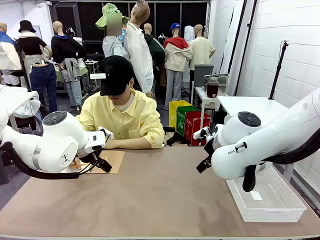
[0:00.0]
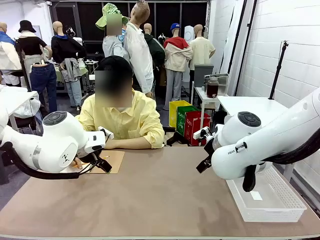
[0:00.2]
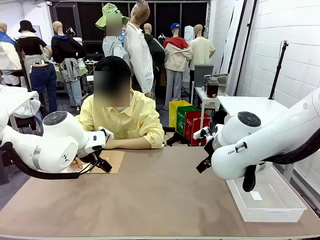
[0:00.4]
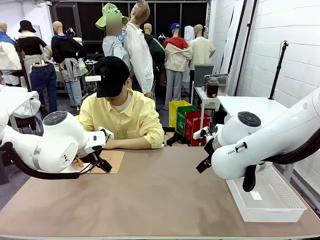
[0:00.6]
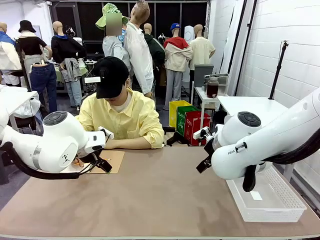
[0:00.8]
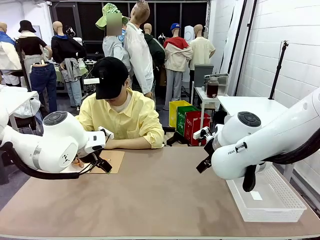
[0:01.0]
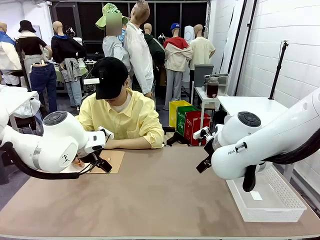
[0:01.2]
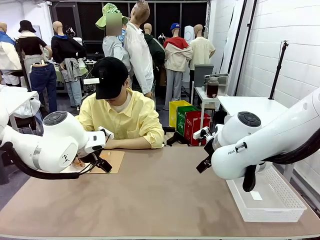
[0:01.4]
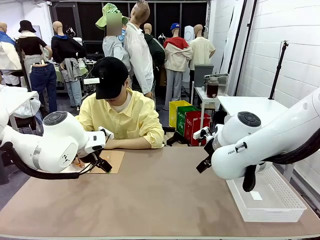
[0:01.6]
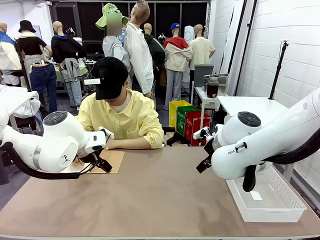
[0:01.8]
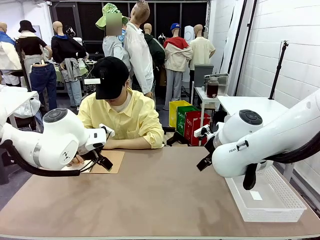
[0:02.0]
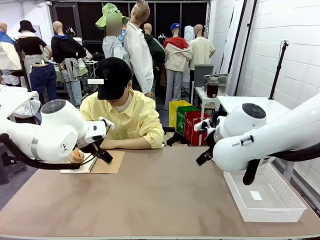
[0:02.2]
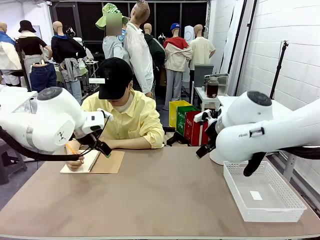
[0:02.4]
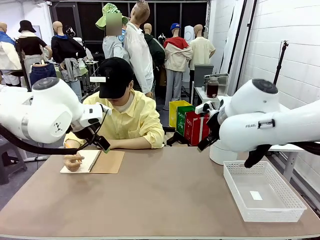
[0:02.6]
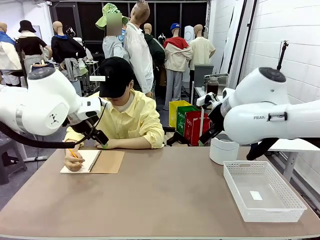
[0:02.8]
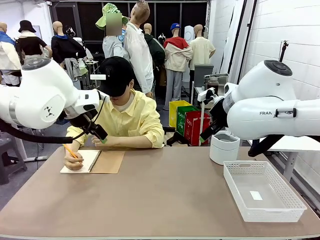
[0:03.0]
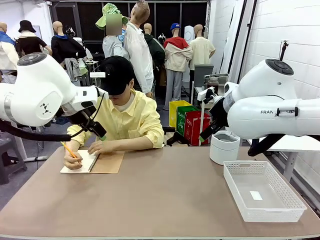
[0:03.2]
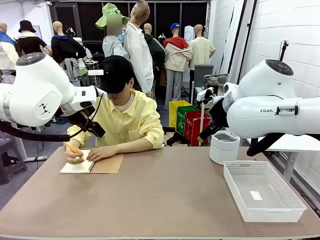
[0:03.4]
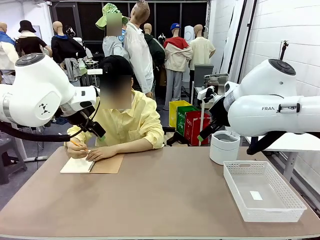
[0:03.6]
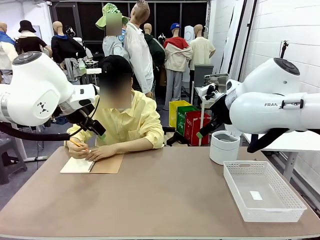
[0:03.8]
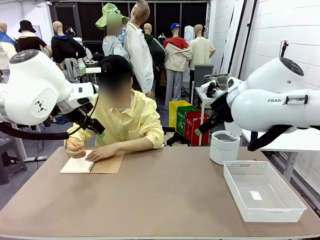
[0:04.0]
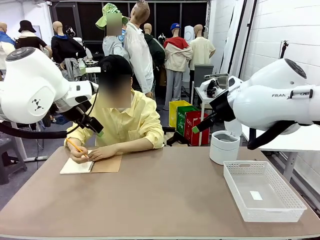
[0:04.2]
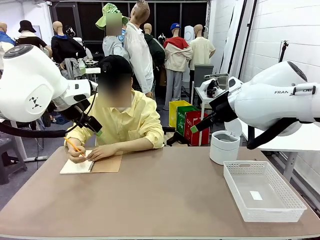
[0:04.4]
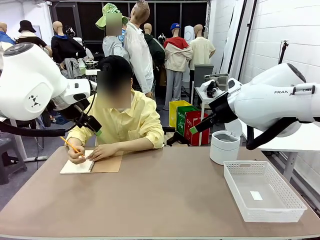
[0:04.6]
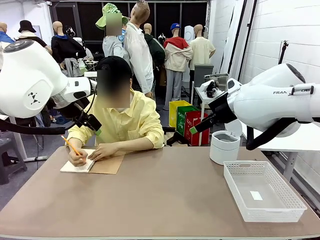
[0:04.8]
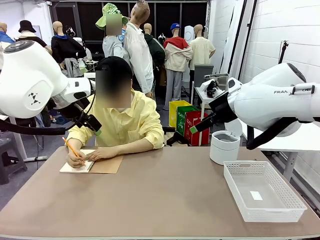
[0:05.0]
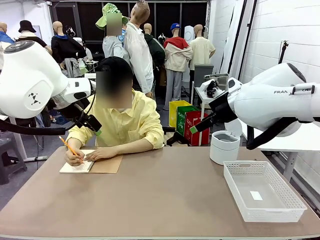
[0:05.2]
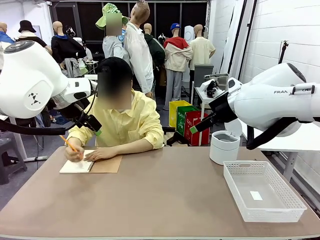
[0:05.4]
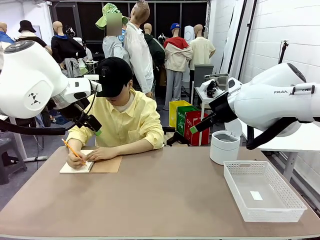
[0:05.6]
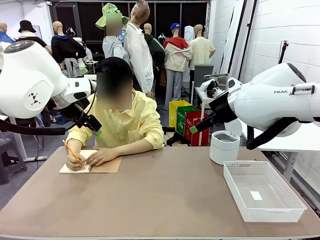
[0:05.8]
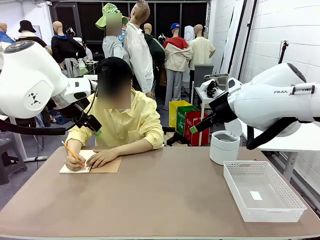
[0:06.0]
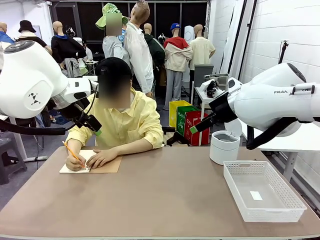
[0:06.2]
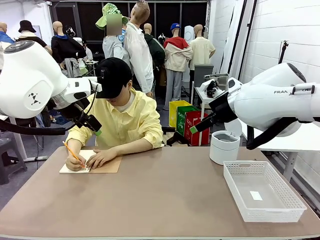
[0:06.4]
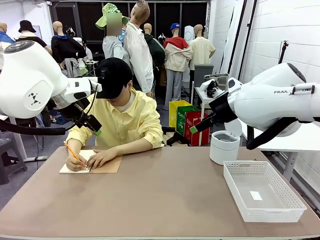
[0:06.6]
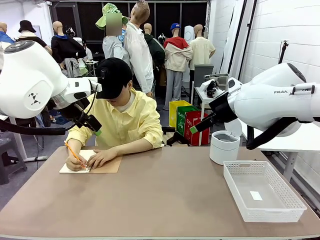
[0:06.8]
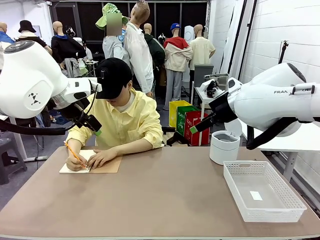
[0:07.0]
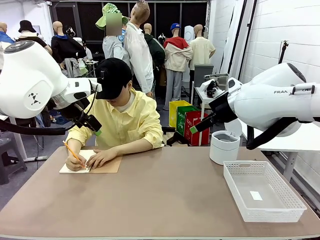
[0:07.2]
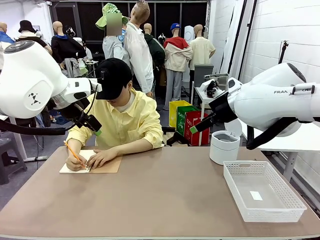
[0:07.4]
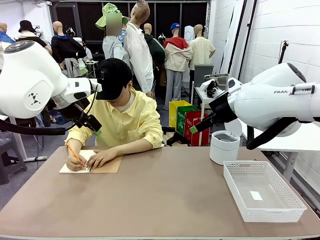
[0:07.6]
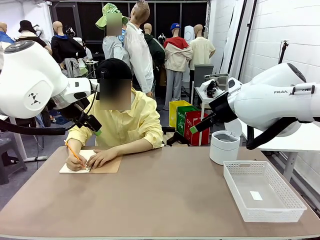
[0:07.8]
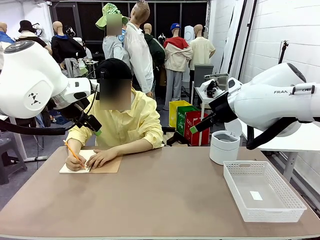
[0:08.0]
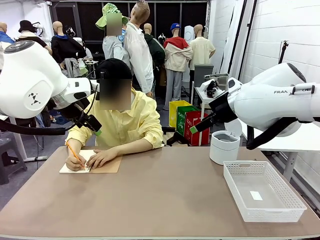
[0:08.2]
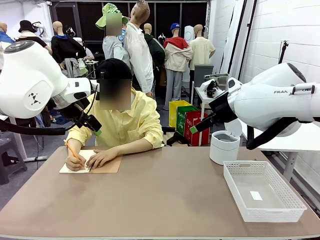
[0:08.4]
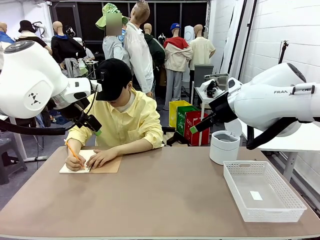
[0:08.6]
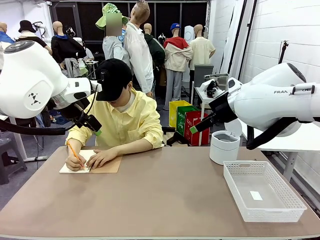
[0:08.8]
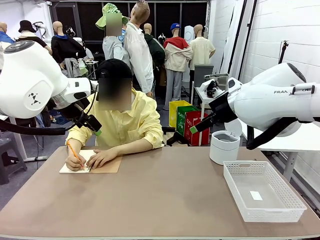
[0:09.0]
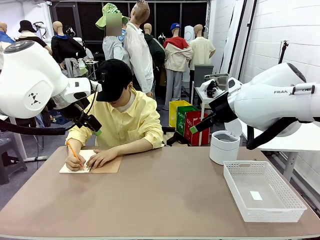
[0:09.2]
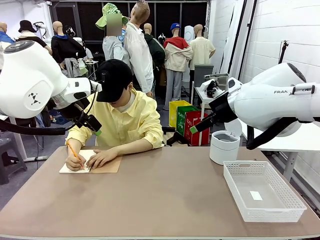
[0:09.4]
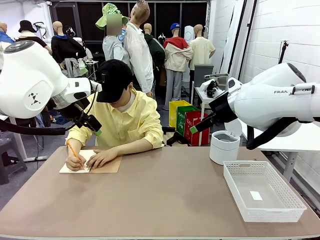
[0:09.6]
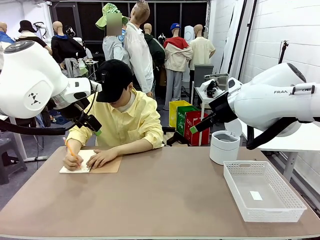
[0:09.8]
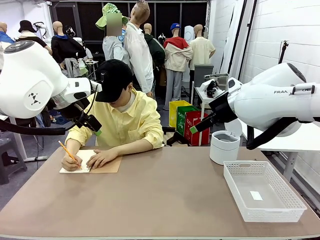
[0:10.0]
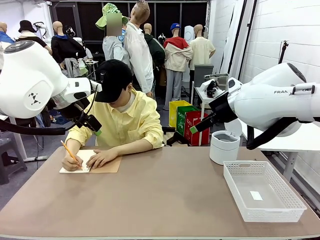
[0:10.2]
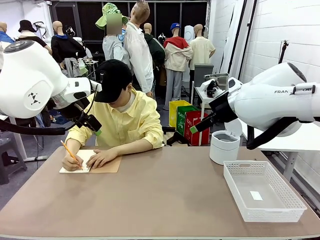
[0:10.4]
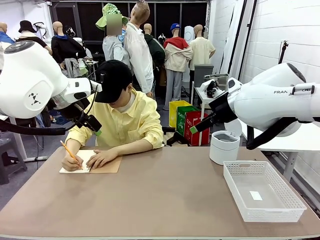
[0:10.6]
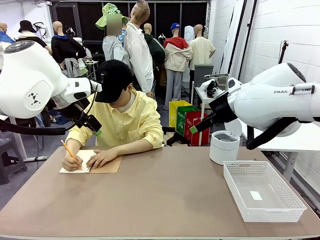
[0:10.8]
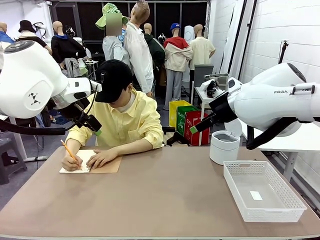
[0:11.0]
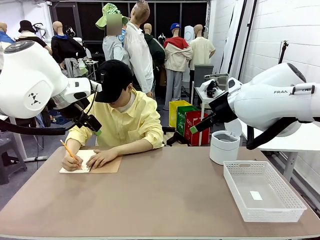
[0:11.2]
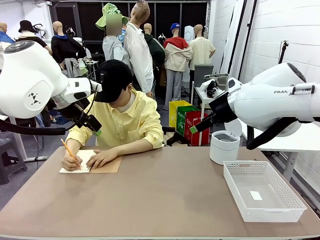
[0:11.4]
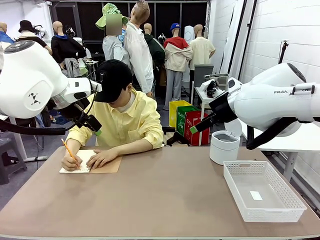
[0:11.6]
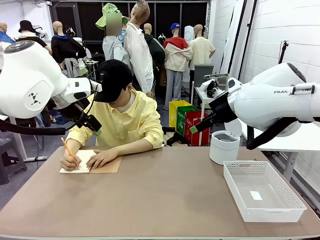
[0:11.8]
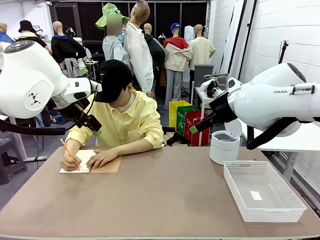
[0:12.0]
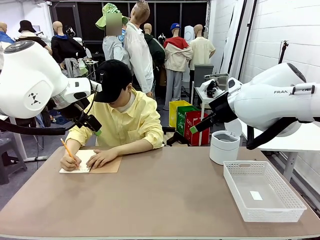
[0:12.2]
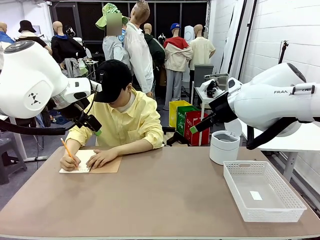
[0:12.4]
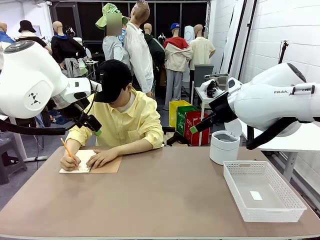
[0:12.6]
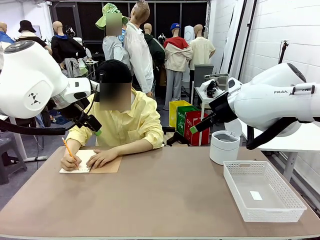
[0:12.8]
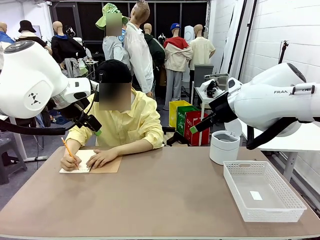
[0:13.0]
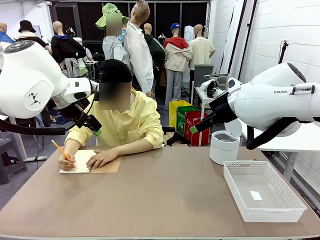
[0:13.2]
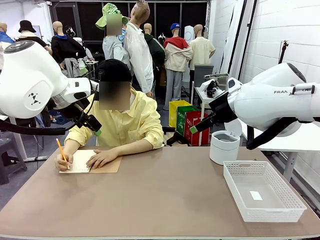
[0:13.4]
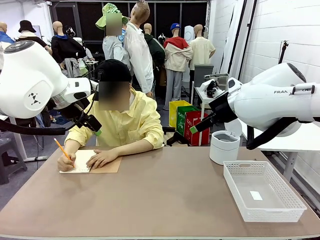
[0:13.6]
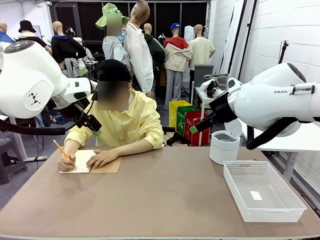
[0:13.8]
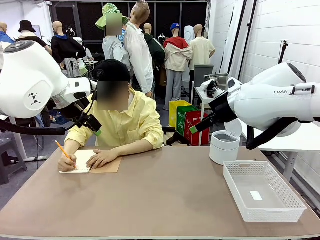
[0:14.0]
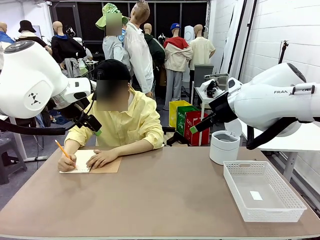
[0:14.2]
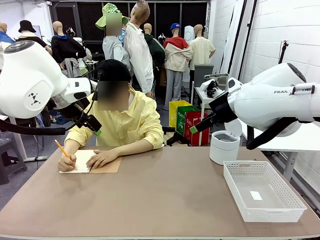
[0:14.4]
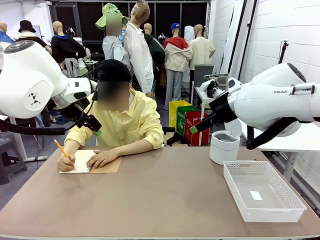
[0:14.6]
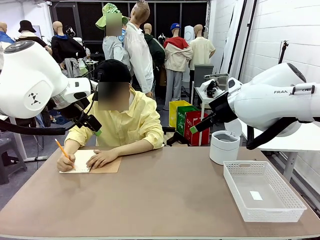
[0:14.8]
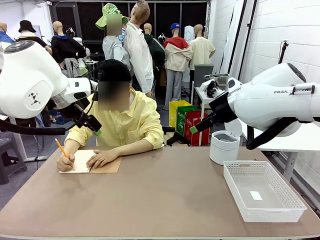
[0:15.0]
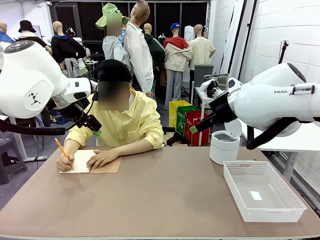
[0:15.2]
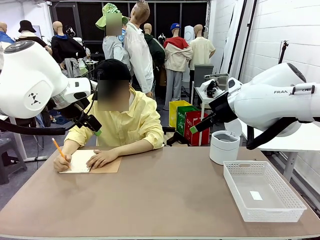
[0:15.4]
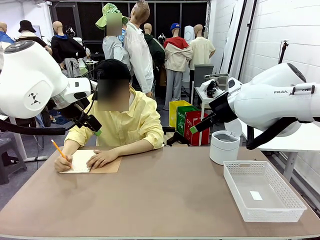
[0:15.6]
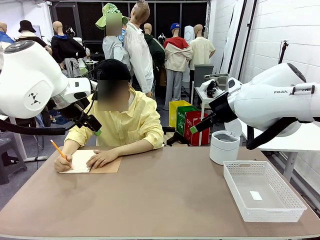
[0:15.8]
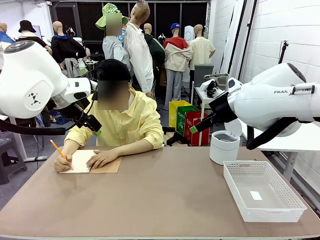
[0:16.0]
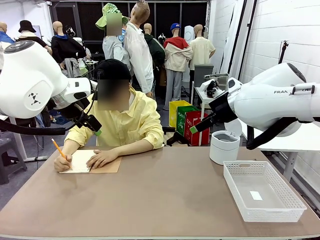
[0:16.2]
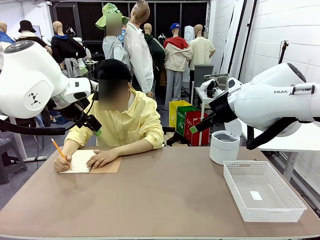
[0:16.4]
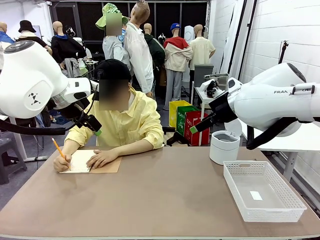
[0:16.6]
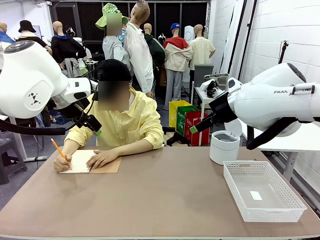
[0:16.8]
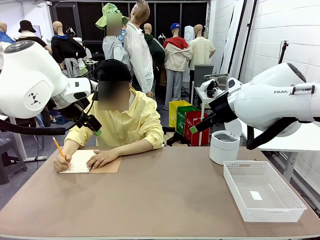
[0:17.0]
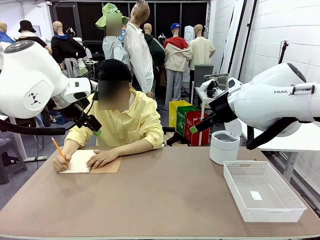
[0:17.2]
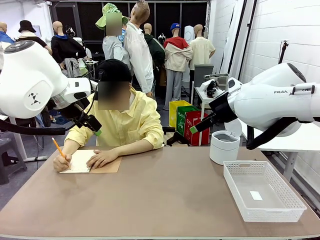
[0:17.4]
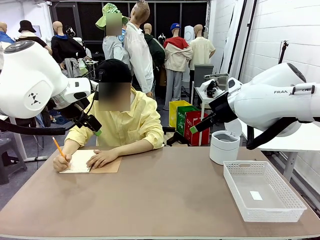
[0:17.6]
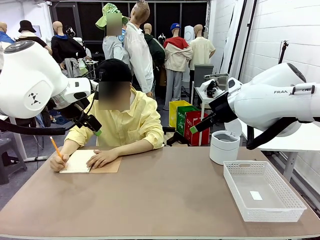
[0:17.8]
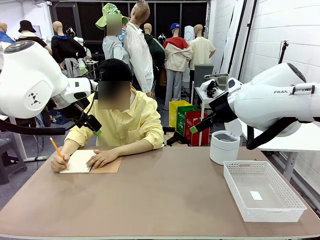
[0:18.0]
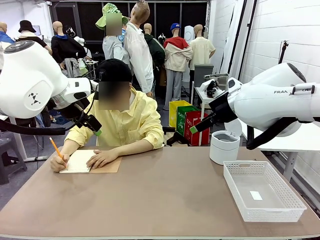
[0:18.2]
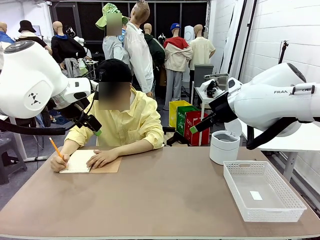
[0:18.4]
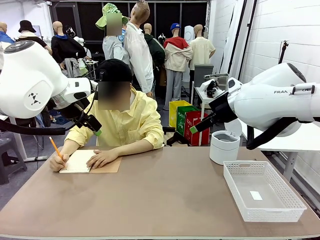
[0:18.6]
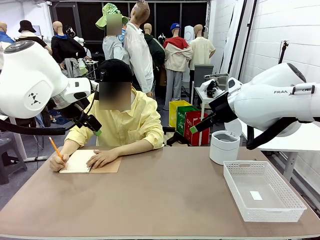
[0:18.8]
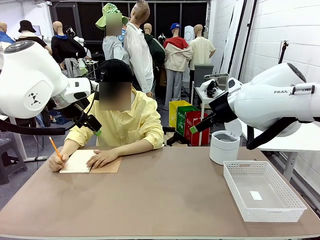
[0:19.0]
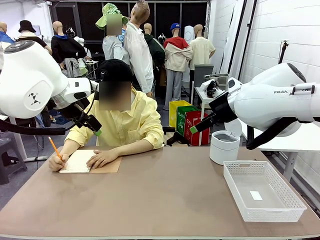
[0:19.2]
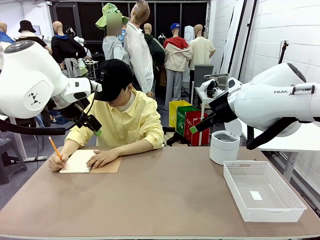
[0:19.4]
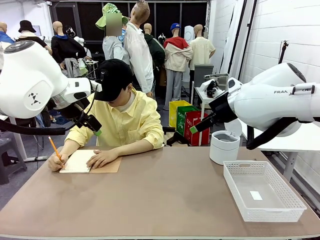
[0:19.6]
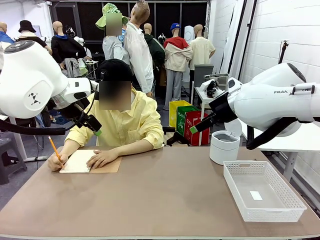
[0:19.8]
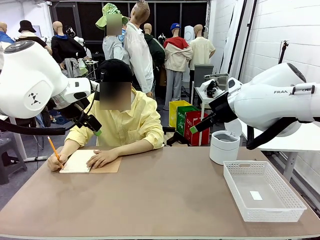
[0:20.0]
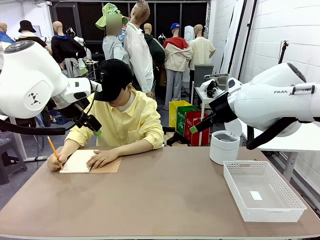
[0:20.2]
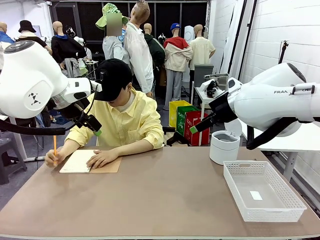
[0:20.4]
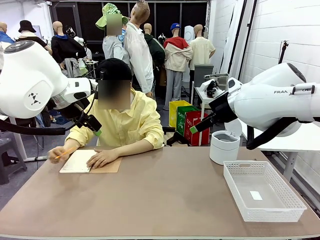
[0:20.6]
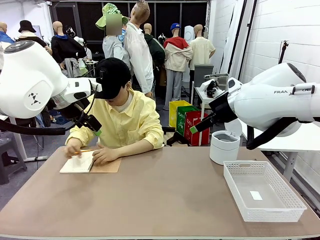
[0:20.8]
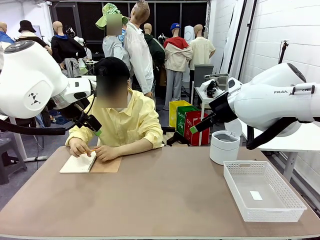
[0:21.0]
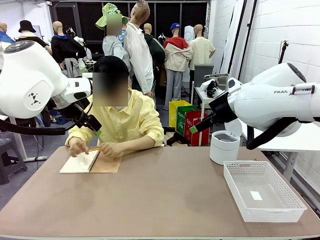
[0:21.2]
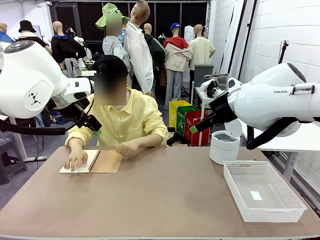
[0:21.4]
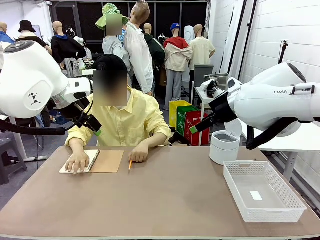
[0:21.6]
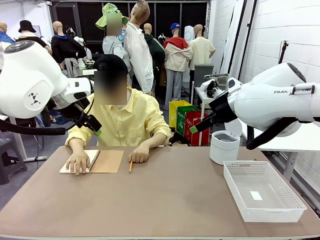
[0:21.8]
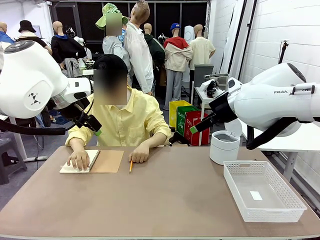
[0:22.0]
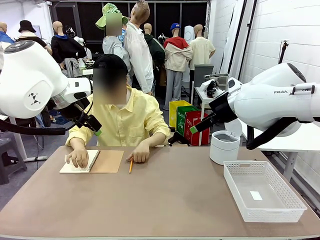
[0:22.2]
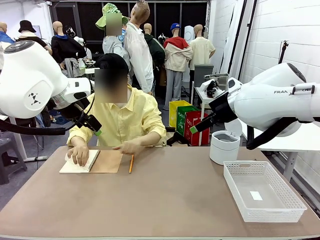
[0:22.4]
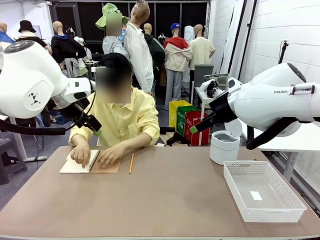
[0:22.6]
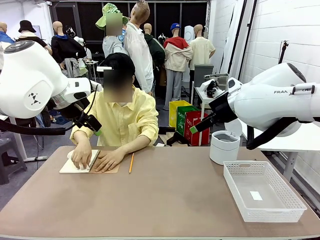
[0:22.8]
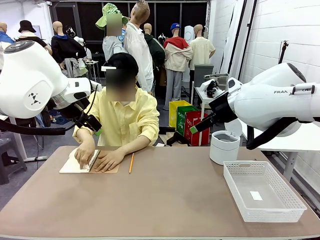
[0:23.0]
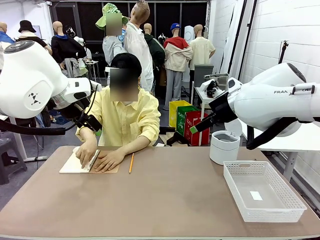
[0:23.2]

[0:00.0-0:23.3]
Task: Sort the paper based on its condition.
Robot: If a person hands you a paper, place it in the Organizing basket , and if it's crumpled, put it in the Trash can.
Person: Tear out a page from the spiral notebook.
